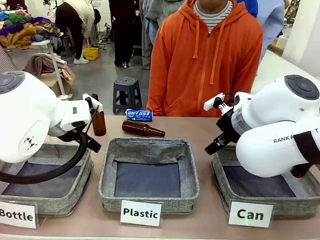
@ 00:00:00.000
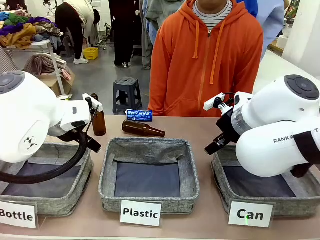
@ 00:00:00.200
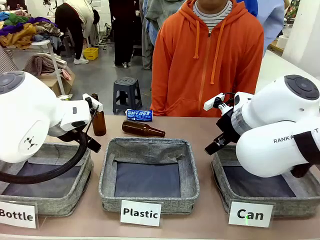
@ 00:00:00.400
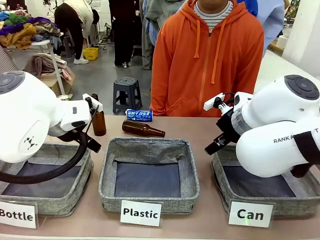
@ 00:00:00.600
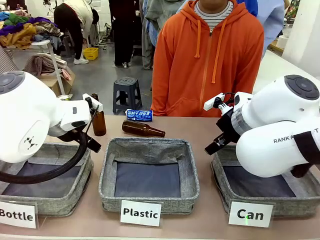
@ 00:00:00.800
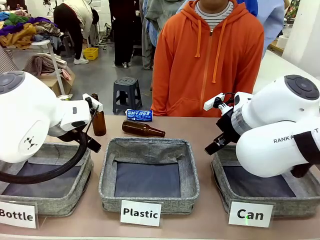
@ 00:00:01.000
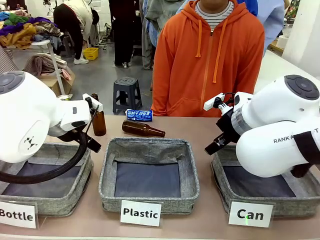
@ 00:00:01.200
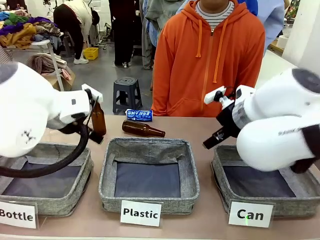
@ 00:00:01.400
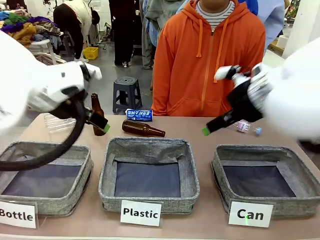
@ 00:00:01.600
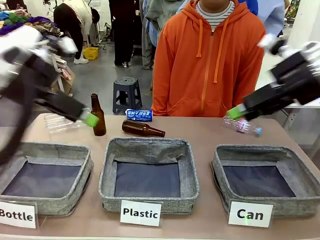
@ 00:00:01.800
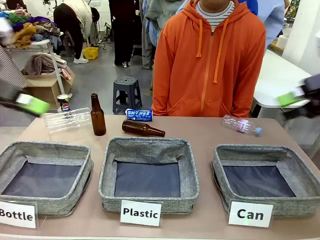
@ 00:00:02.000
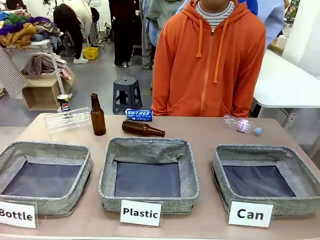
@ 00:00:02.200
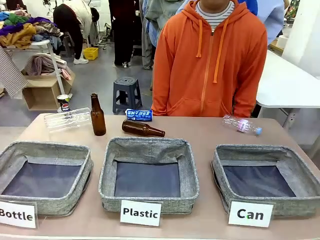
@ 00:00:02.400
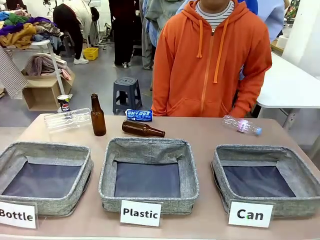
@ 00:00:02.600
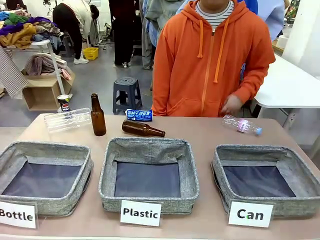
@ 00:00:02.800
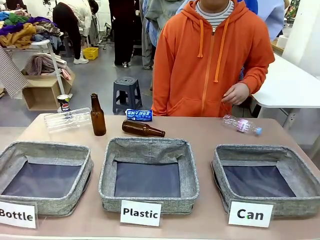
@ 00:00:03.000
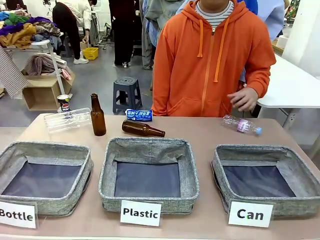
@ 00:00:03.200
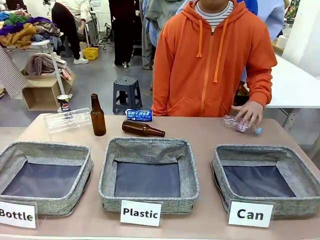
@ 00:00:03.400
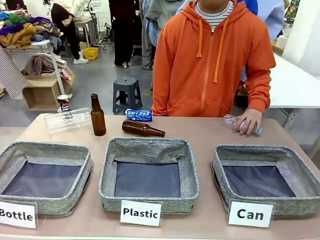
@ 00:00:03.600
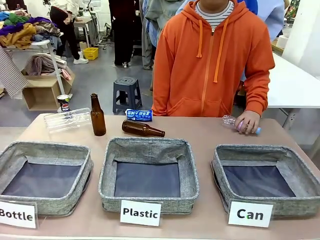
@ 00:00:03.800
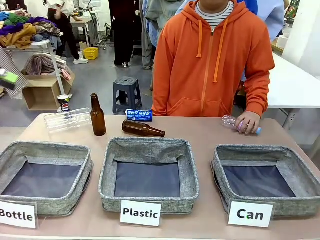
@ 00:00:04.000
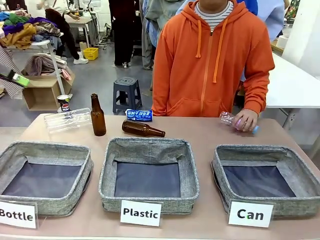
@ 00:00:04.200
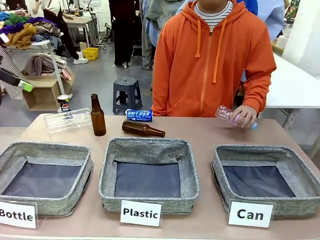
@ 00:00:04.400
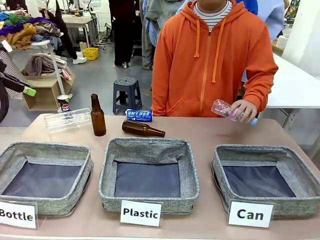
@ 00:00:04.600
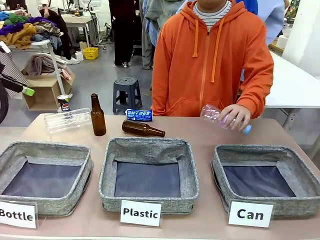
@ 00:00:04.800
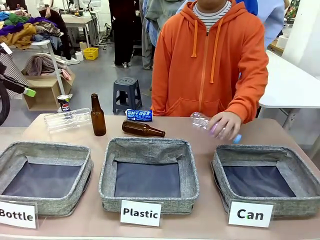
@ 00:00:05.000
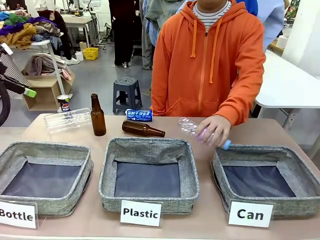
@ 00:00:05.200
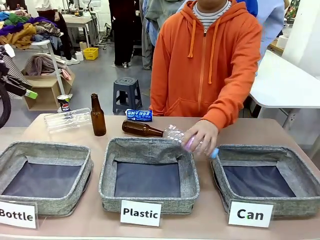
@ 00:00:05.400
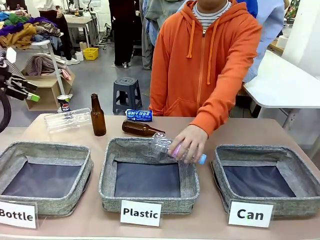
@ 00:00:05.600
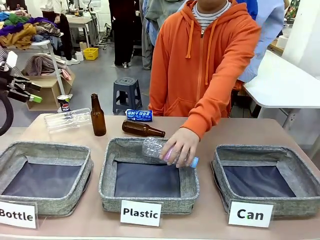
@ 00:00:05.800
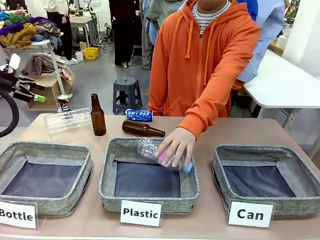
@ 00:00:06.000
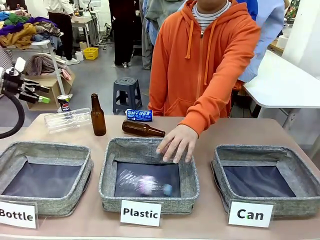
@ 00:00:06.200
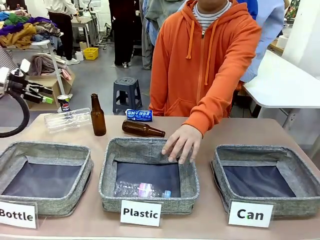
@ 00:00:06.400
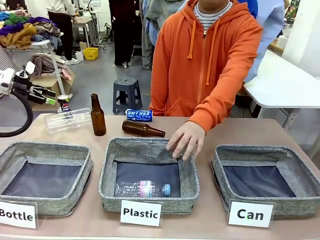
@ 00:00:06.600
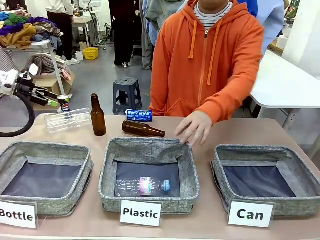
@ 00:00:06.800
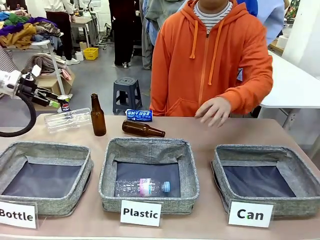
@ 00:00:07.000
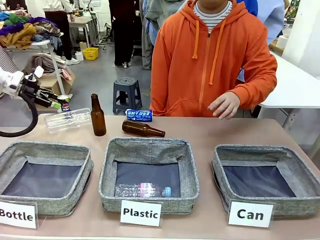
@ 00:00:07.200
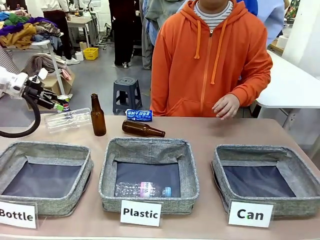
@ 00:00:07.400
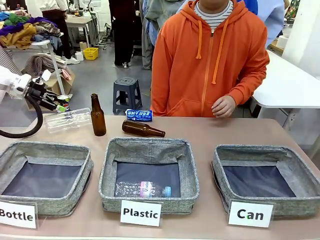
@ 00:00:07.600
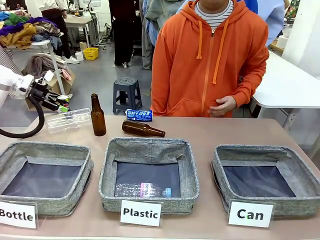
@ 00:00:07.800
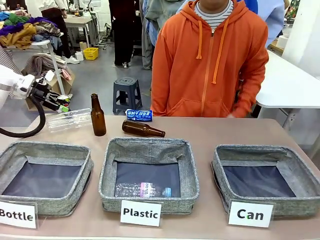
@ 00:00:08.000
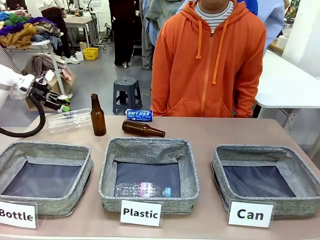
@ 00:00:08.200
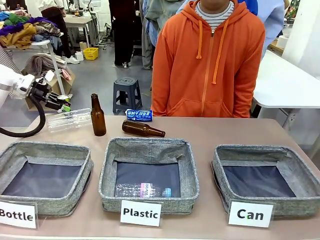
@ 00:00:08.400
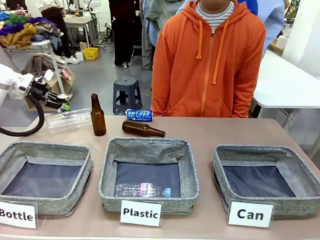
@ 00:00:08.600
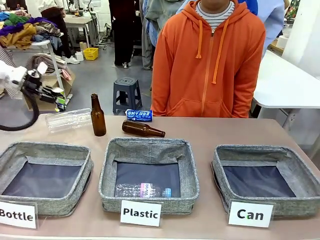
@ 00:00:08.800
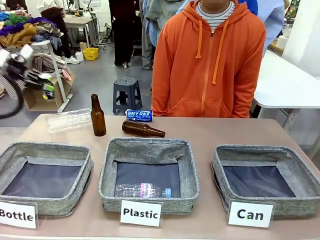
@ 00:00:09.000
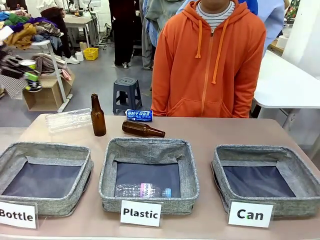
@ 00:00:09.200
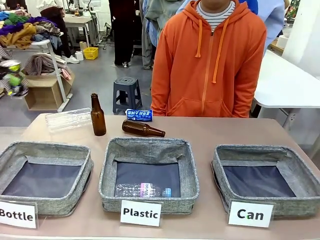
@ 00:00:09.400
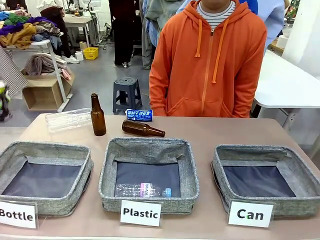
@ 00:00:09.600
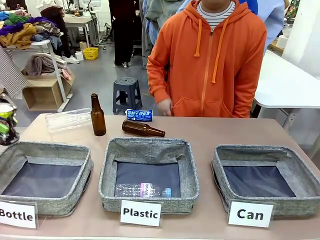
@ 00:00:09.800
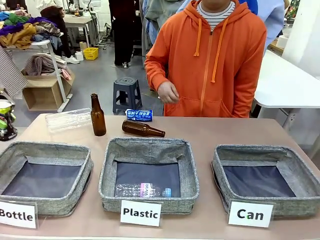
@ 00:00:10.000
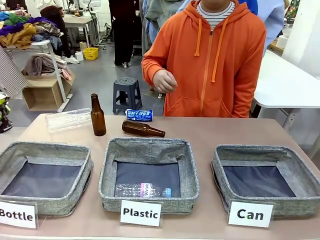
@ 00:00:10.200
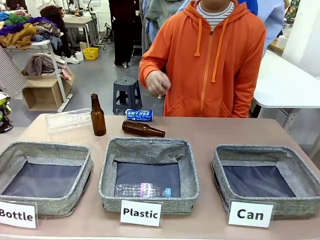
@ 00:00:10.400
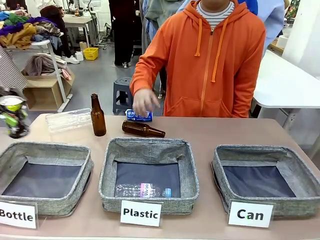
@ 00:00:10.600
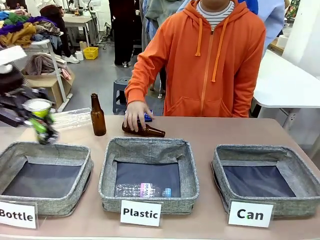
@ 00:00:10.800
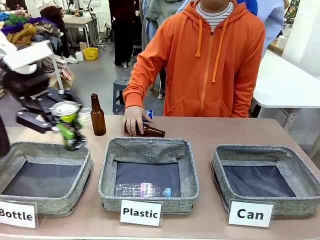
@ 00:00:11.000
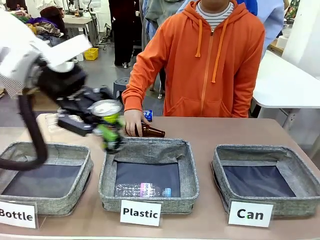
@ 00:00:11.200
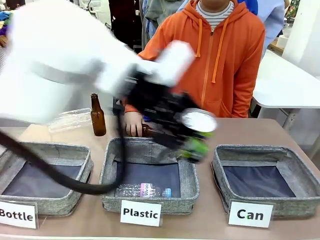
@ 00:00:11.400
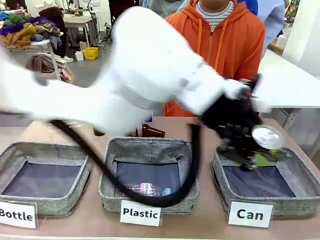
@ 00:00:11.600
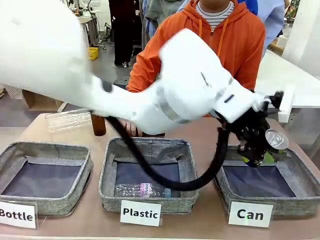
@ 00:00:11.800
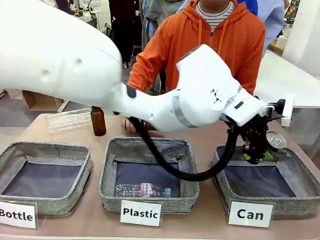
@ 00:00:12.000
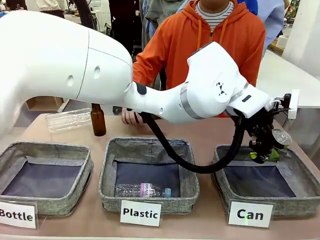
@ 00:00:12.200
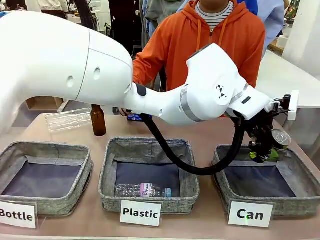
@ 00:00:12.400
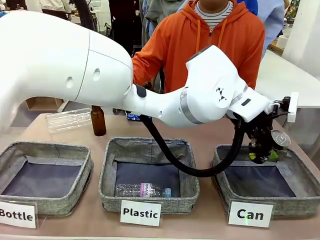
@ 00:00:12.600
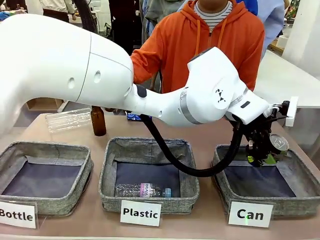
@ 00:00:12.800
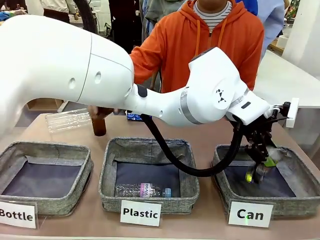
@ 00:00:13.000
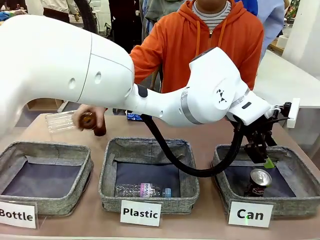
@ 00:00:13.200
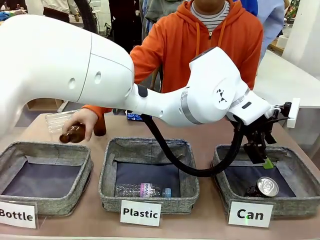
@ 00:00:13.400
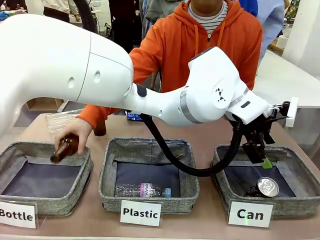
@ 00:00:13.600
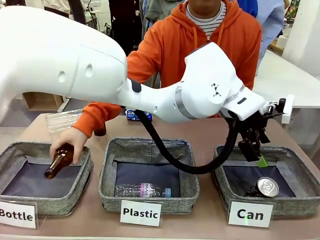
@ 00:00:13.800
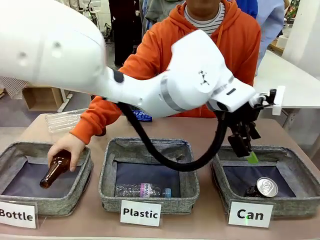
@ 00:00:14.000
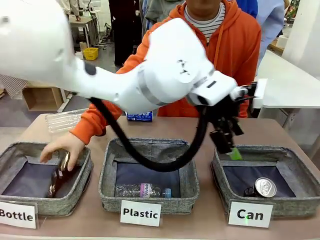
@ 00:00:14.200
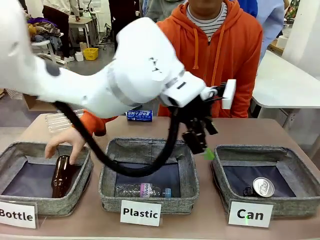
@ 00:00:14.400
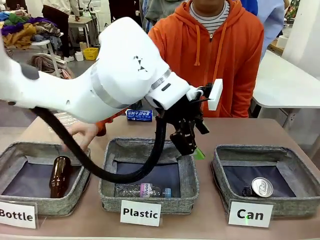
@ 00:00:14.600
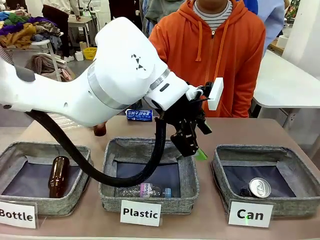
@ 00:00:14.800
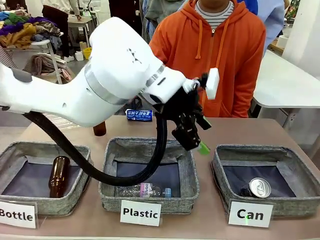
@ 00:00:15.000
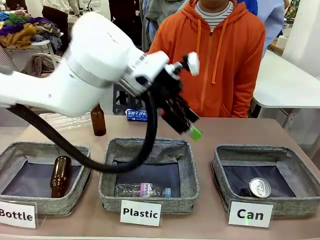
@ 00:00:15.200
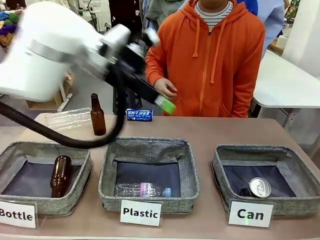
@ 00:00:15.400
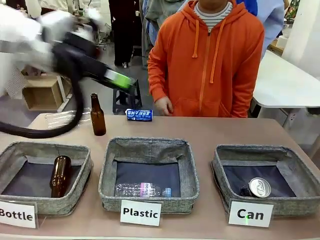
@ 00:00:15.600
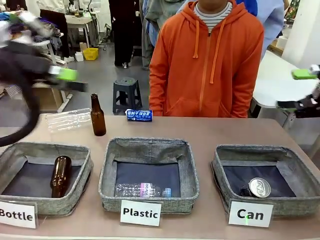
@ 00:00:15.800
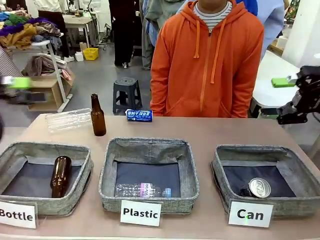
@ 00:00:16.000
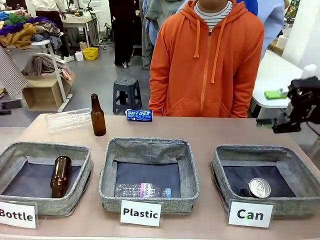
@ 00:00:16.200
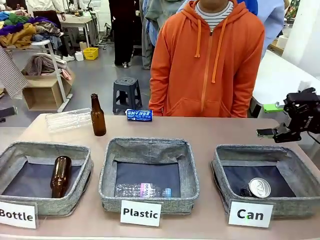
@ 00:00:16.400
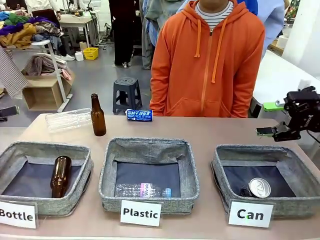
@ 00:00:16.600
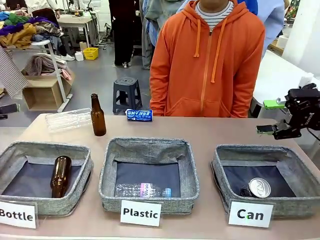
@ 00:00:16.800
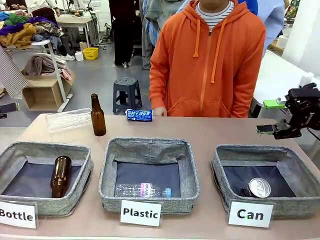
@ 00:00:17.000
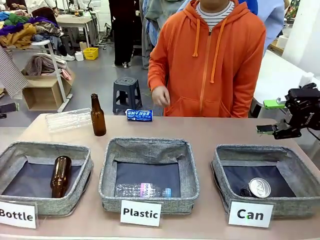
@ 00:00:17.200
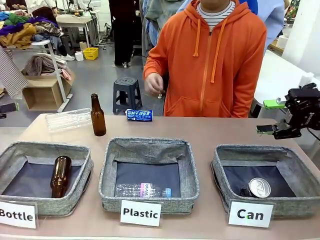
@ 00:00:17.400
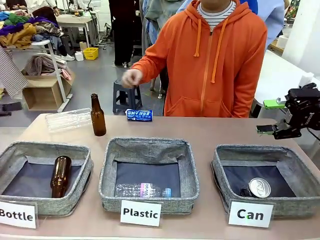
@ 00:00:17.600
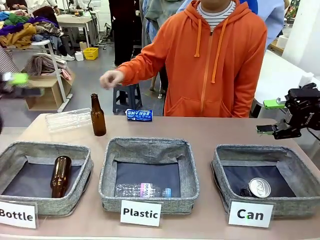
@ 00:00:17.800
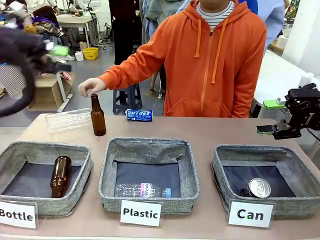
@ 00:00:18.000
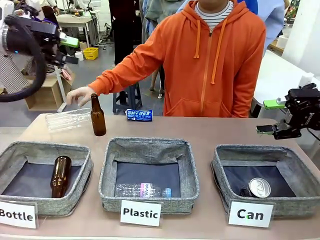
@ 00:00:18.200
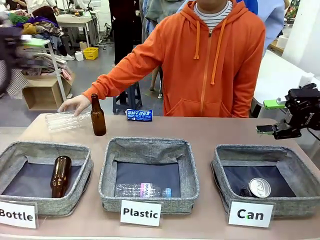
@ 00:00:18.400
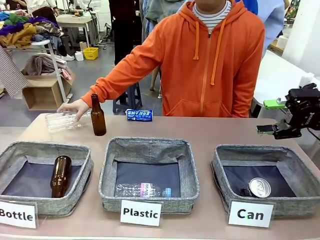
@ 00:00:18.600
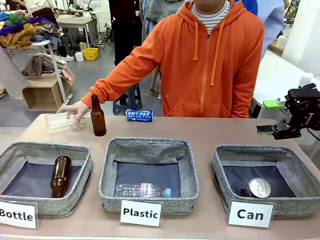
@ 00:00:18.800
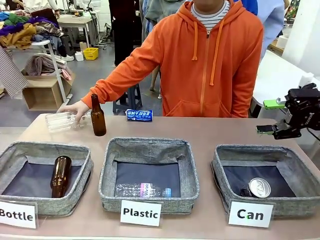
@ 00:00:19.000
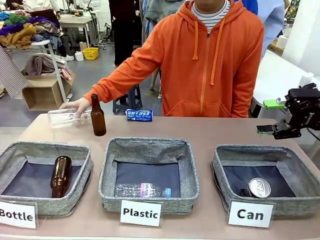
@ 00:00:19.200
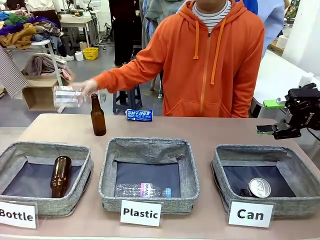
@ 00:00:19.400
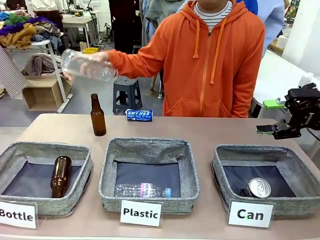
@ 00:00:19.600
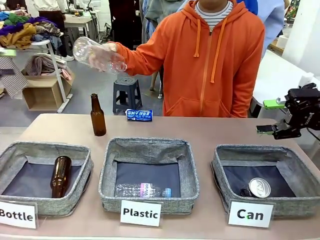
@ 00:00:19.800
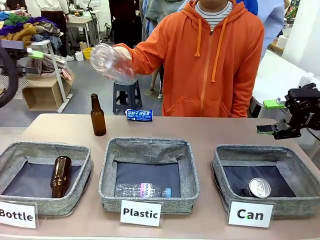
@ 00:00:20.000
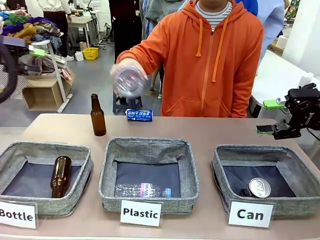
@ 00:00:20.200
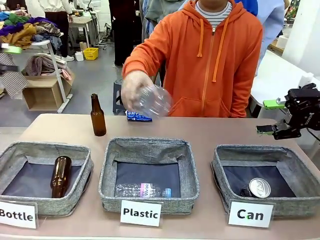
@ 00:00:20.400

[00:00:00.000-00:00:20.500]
Task: Sort the can waste into the basket.
Robot: Pick up the can waste from the table and place it in the right Fabric basket.
